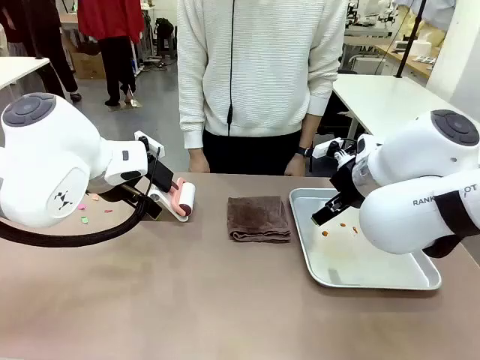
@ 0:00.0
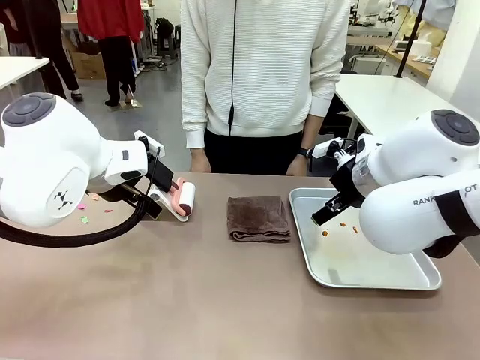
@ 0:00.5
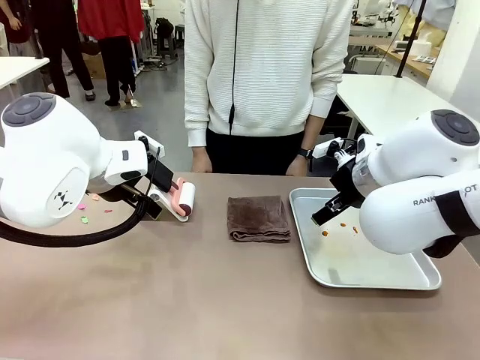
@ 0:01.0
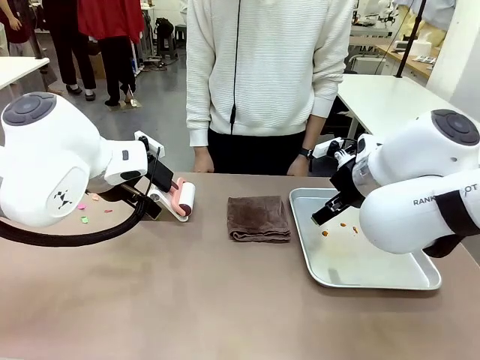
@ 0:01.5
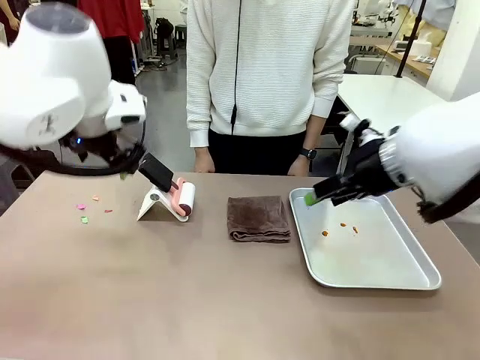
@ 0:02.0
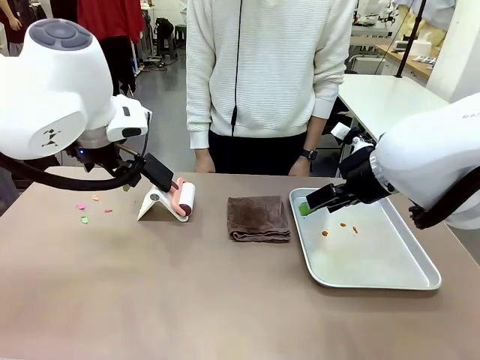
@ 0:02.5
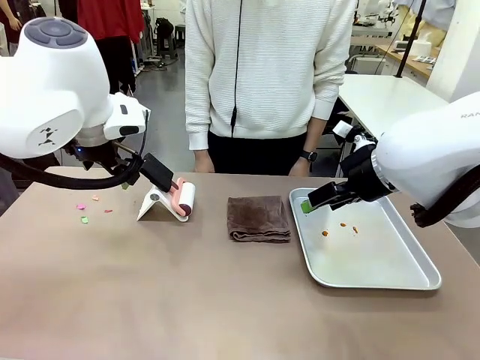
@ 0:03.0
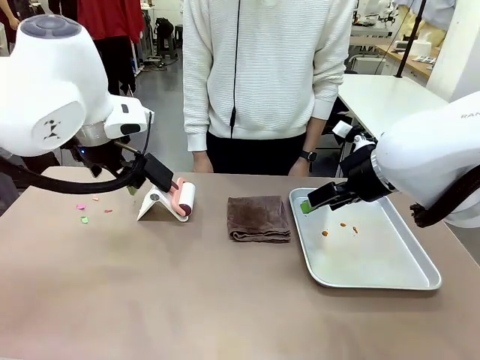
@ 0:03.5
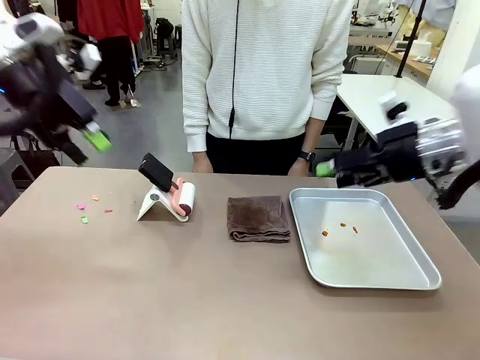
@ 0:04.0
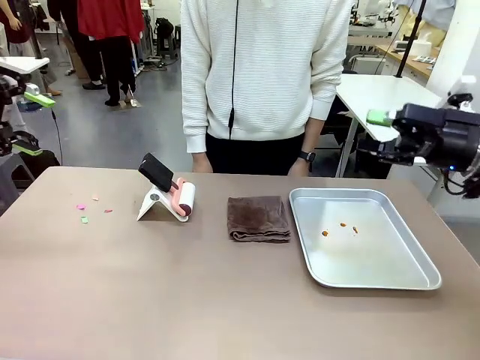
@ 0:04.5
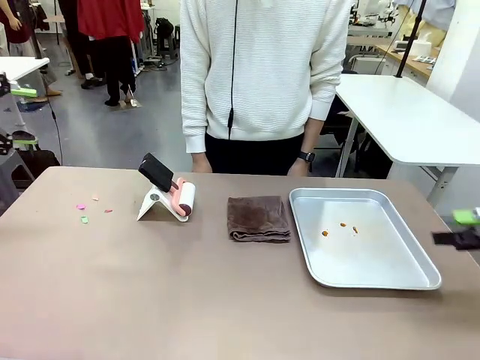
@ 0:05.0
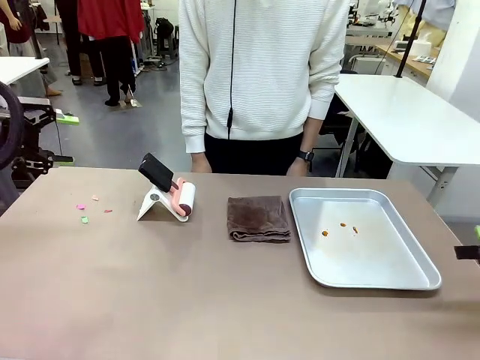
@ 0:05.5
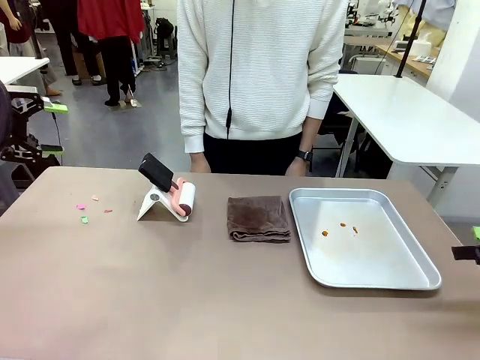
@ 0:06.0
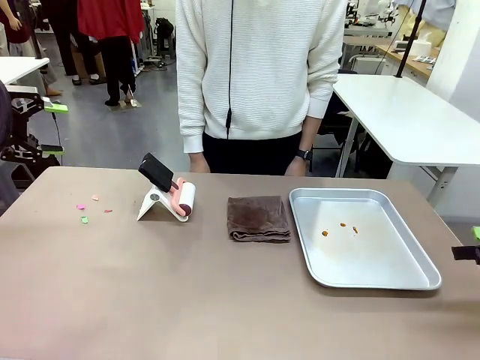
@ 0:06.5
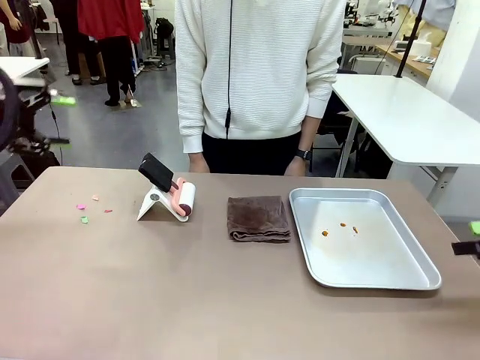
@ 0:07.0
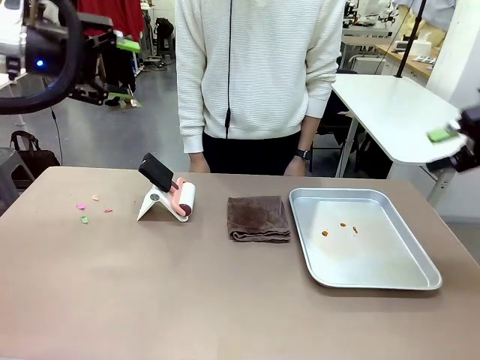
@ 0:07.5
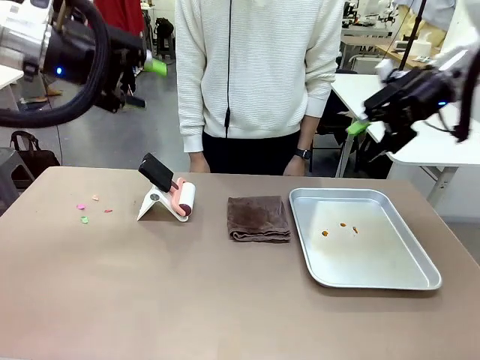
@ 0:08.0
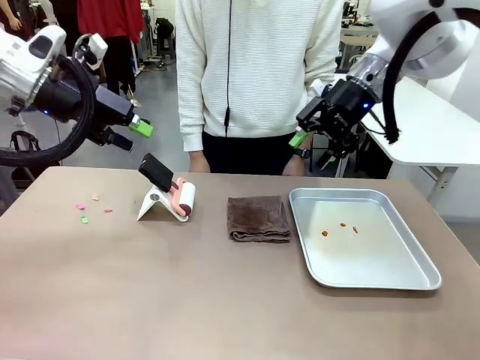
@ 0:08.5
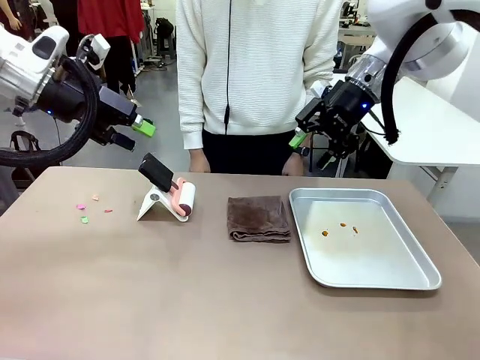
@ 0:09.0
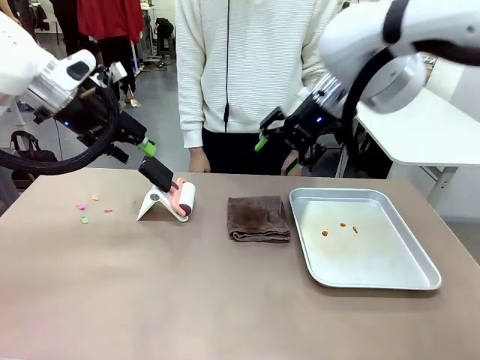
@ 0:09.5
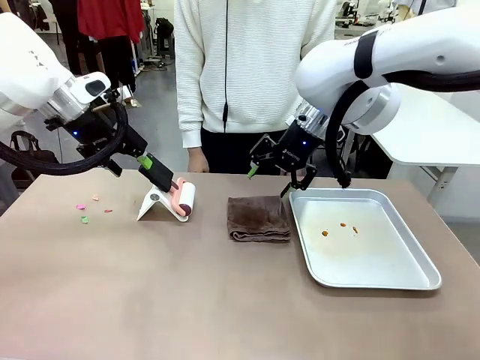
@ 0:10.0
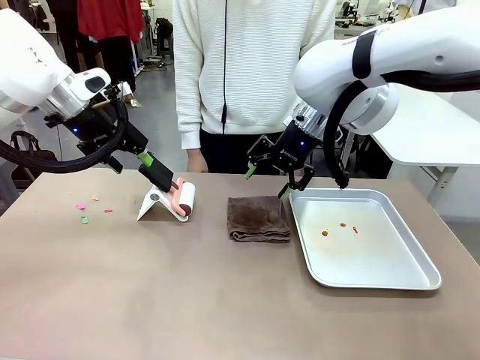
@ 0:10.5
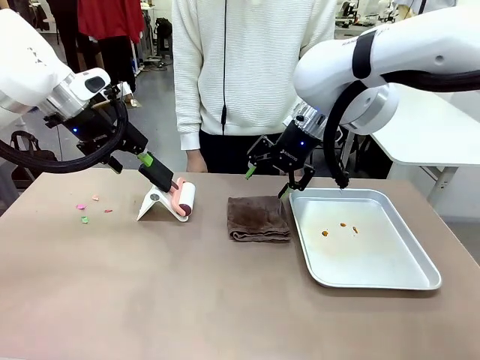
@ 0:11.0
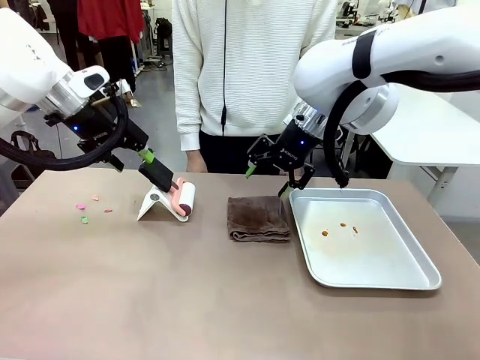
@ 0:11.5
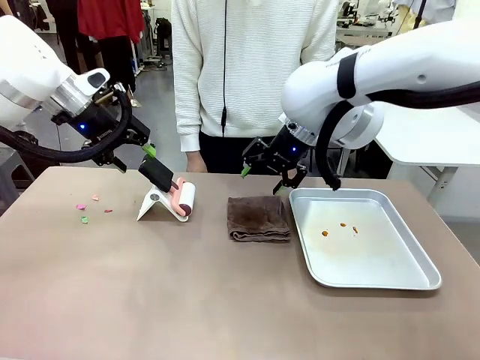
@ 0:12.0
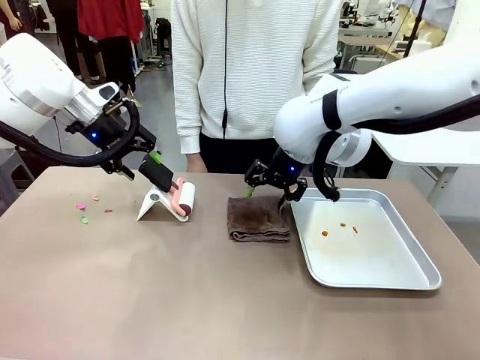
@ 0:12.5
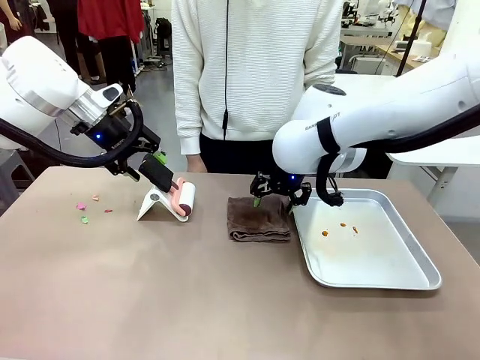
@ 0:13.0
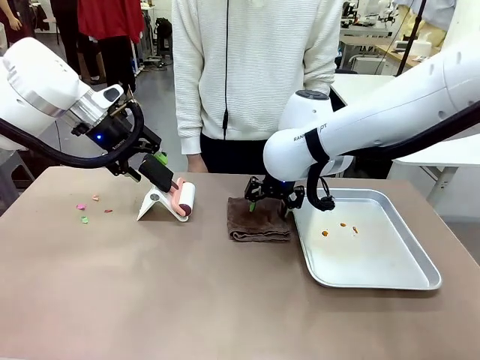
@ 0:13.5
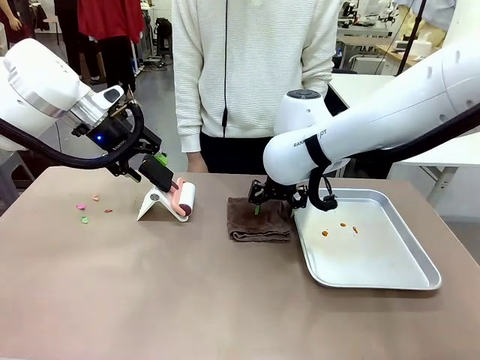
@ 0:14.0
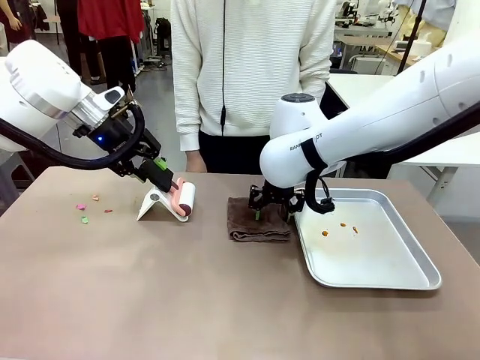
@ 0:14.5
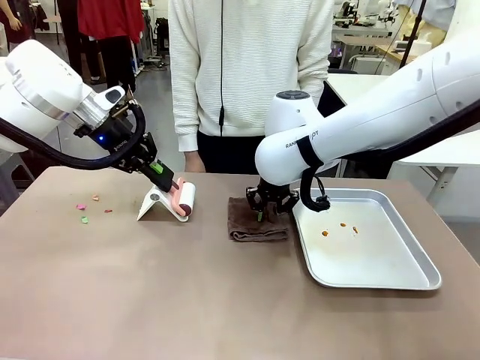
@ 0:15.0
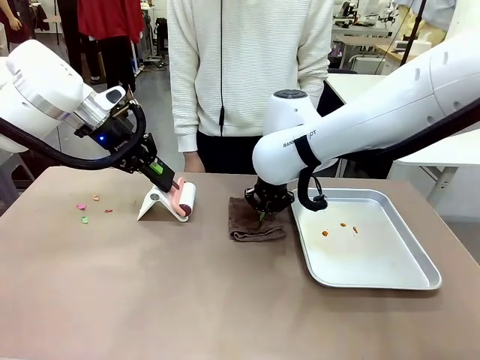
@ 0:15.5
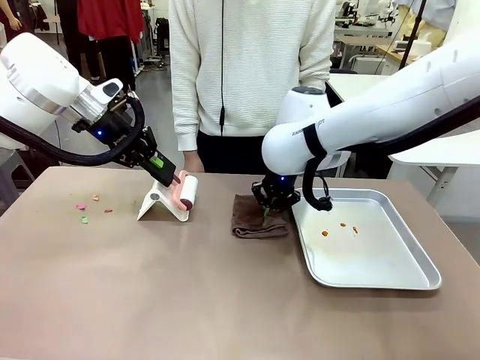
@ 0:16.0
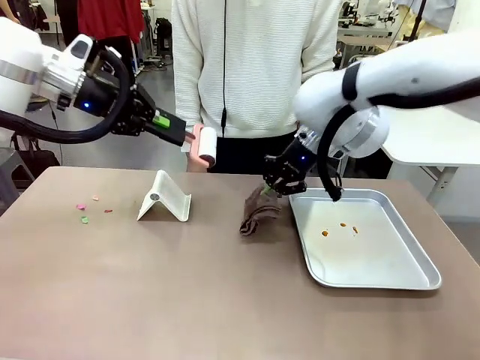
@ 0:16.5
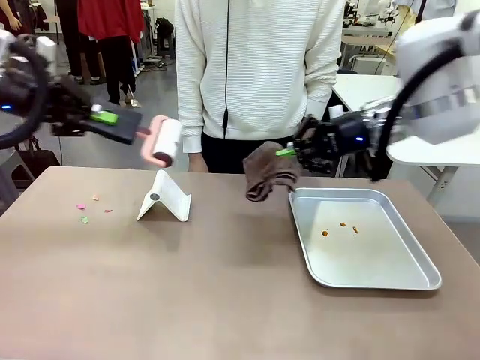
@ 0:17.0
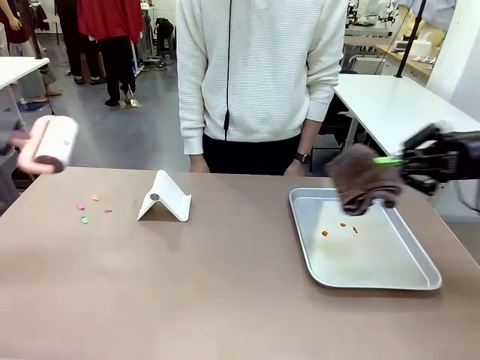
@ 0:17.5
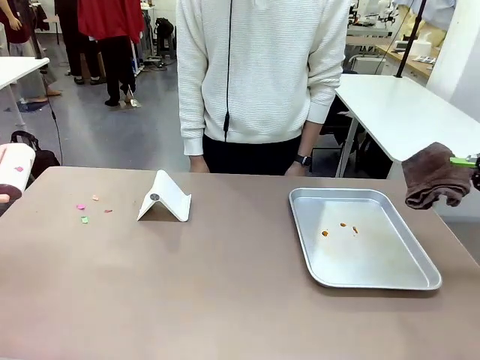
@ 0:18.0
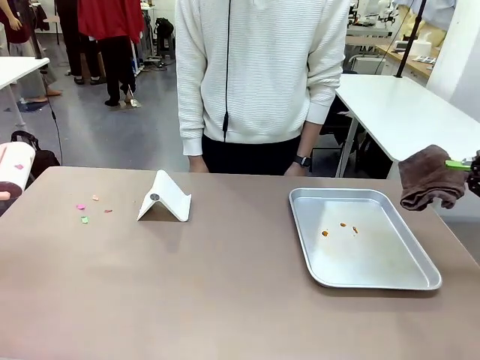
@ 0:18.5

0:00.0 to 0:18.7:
Task: Clean the surface of the table.
Robot: Hold the Lint Roller with your left hand and the towel with your right hand.

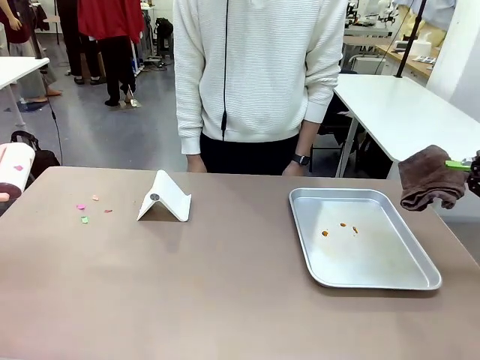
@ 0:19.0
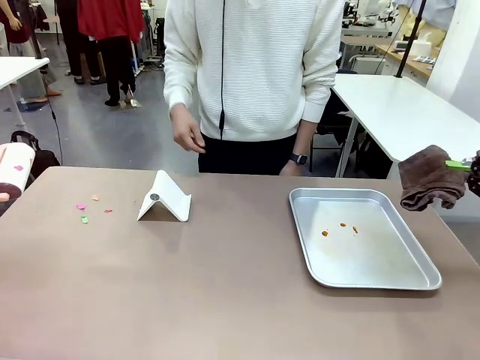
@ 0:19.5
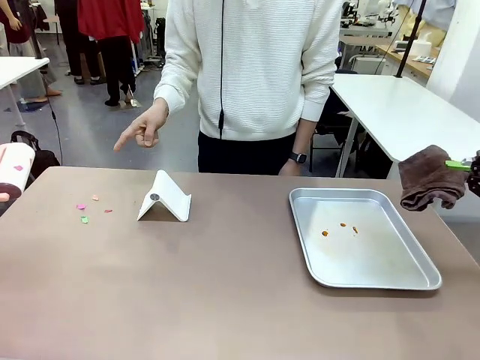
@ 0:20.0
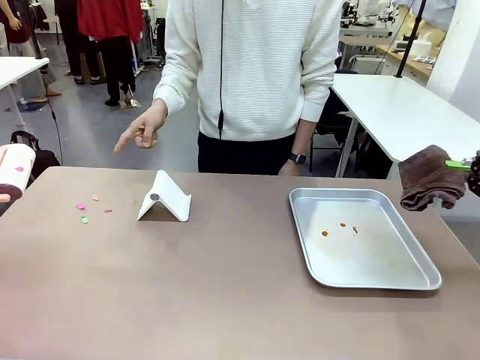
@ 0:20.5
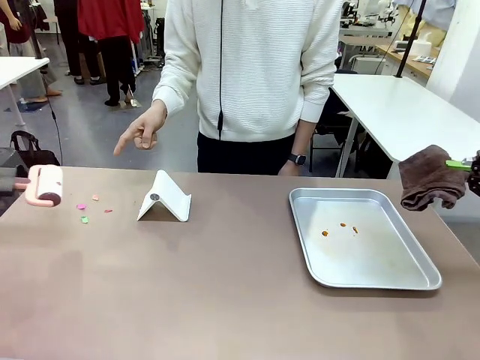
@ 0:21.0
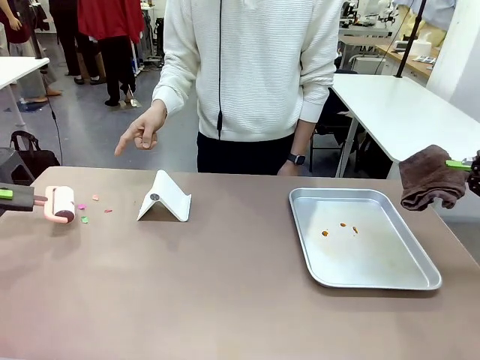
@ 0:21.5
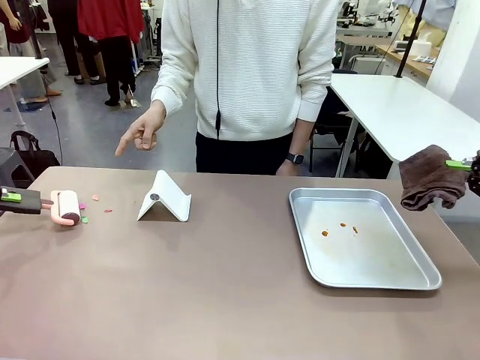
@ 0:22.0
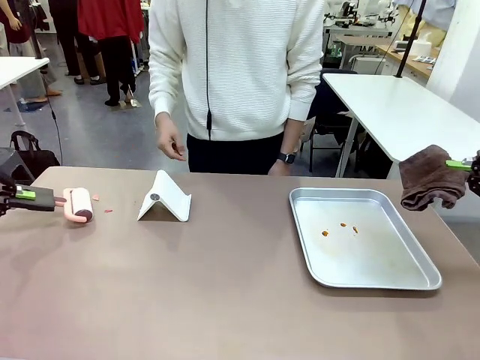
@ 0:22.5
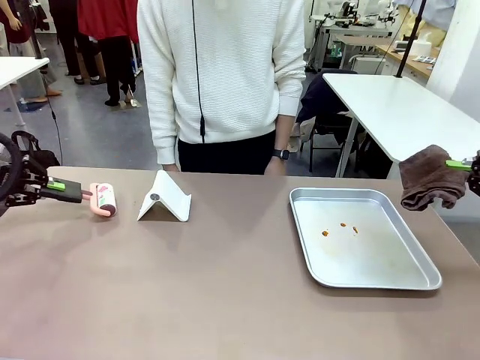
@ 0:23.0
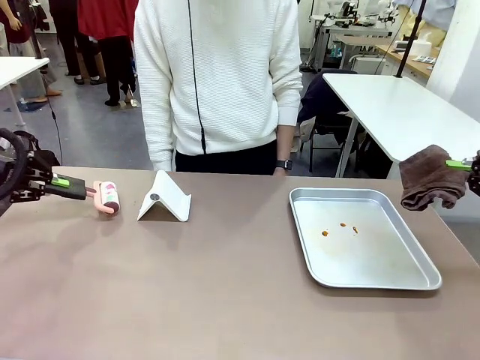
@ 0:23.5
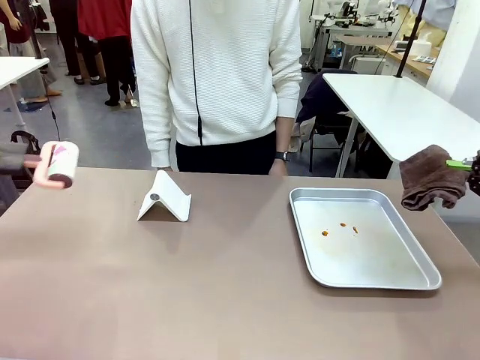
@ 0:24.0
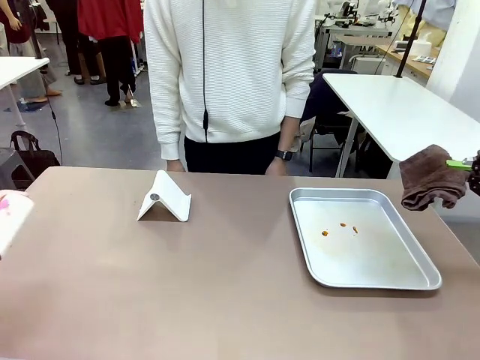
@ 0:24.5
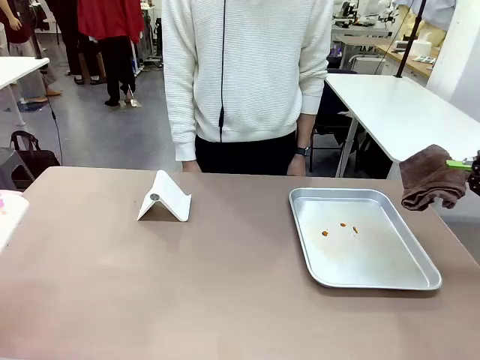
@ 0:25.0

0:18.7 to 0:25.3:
Robot: If a person points to the right, clean the right side of the table with your right hand, and if they point to the left, clean the left side with your left hand.

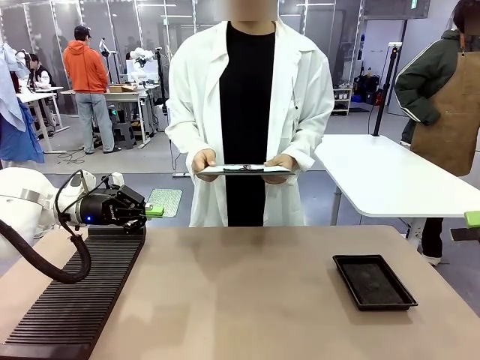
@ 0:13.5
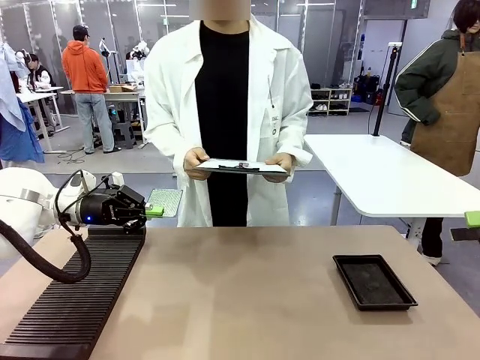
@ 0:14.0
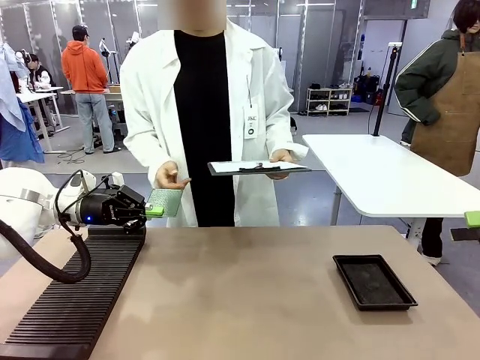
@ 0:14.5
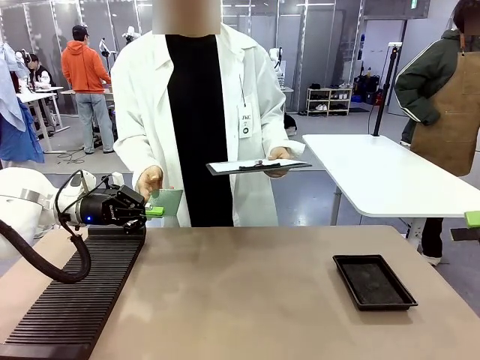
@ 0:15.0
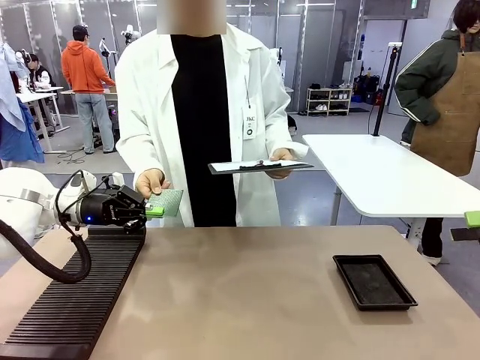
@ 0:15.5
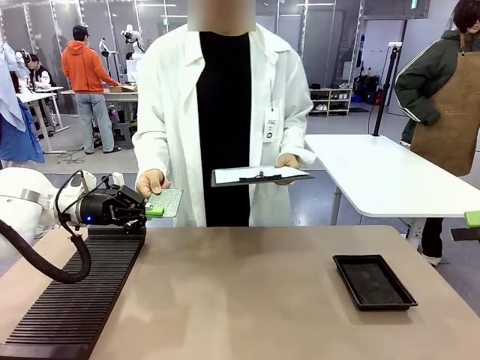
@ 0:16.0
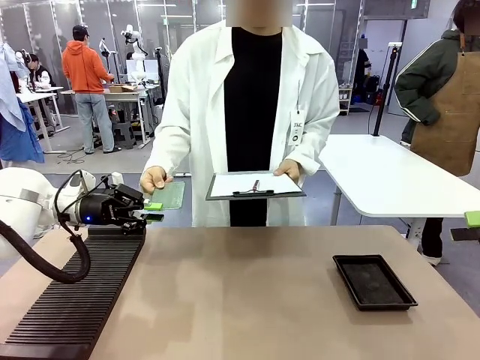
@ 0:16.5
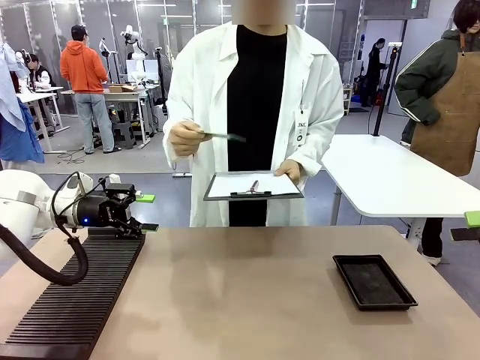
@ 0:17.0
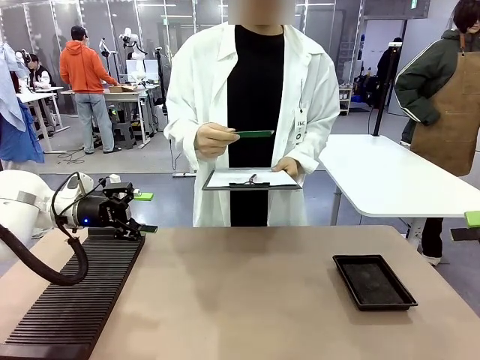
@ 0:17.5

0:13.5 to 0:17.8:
Task: Inspect the PCB.
Robot: Release the Blank PCB you were holding.
